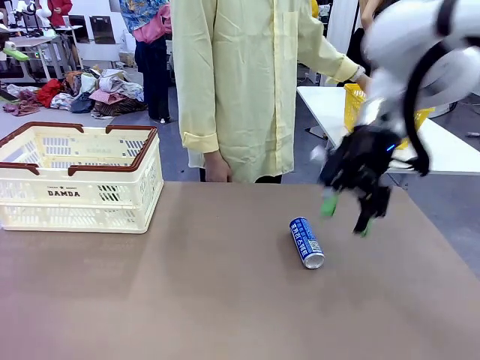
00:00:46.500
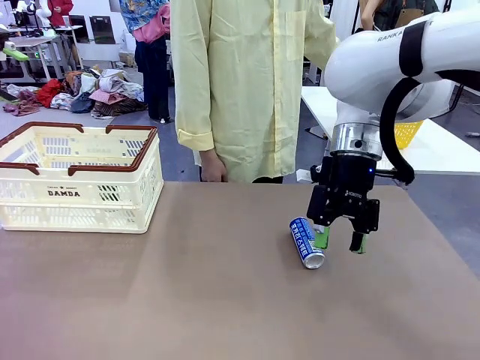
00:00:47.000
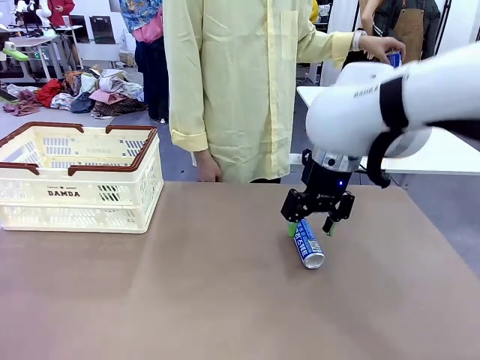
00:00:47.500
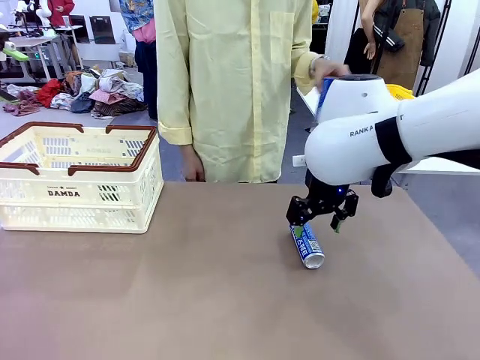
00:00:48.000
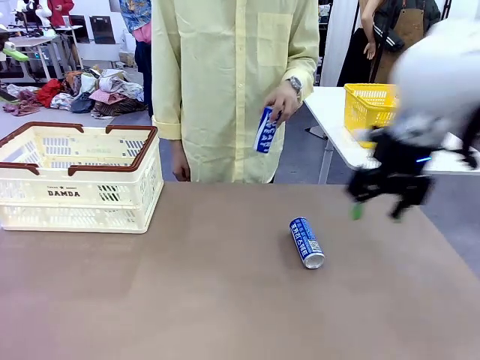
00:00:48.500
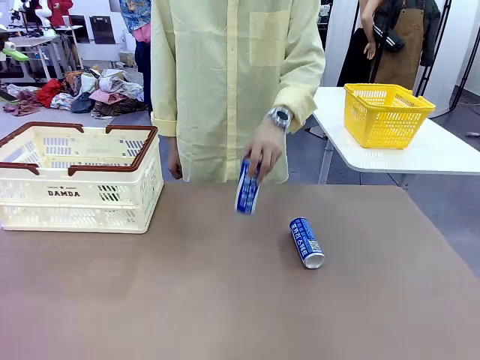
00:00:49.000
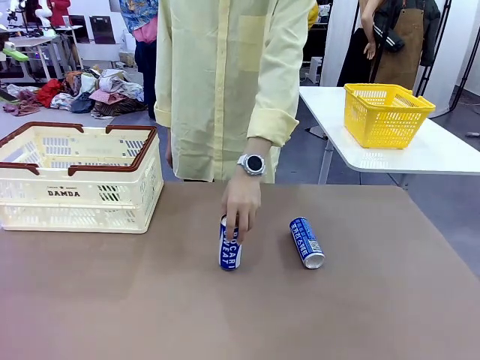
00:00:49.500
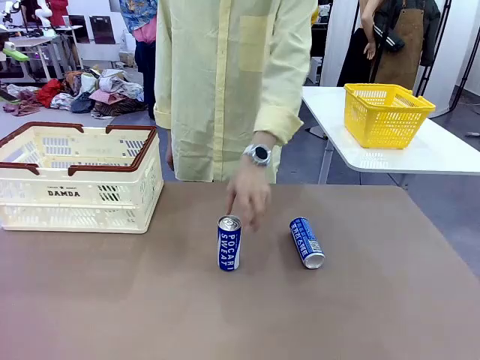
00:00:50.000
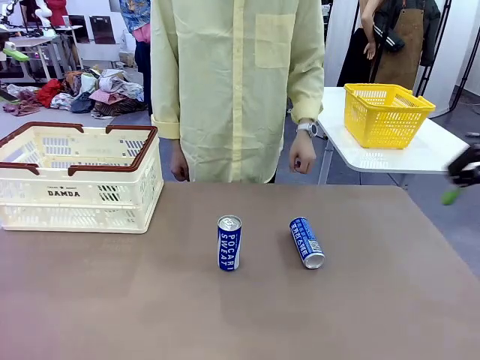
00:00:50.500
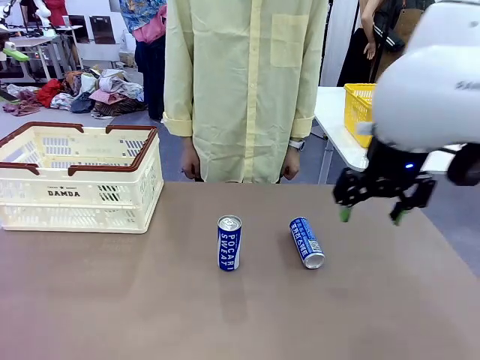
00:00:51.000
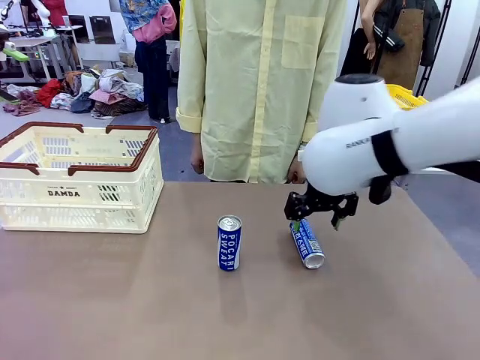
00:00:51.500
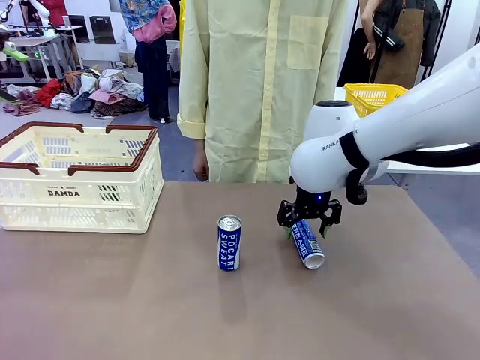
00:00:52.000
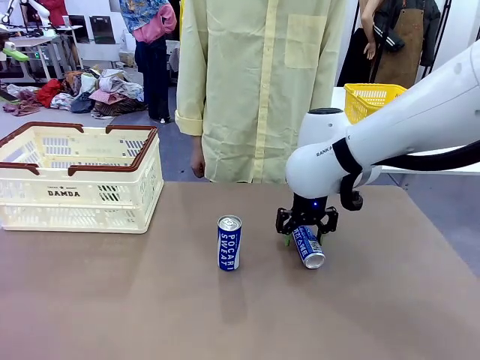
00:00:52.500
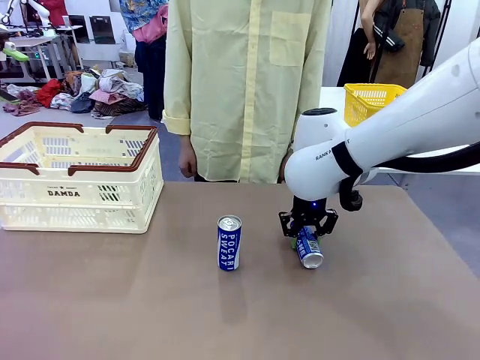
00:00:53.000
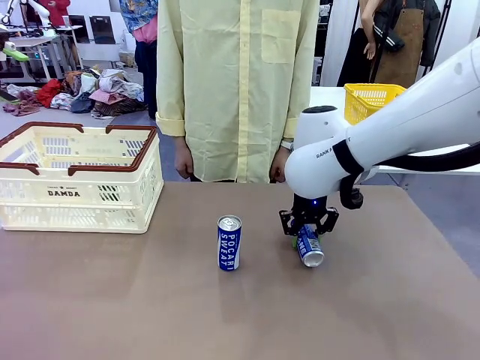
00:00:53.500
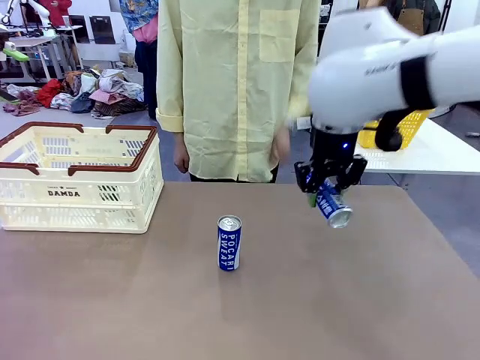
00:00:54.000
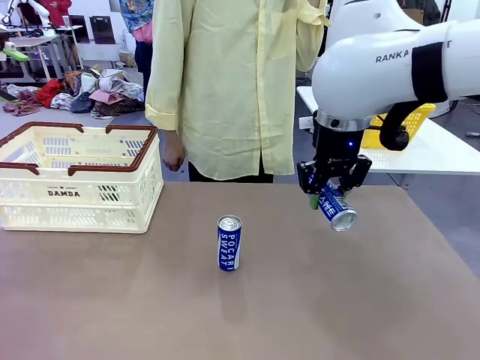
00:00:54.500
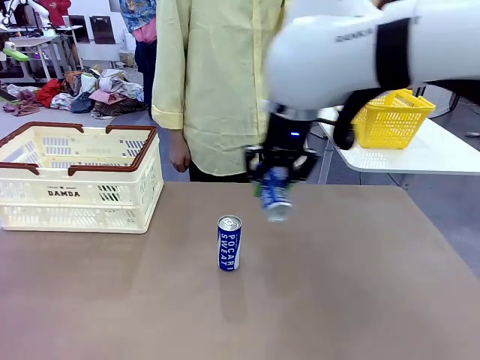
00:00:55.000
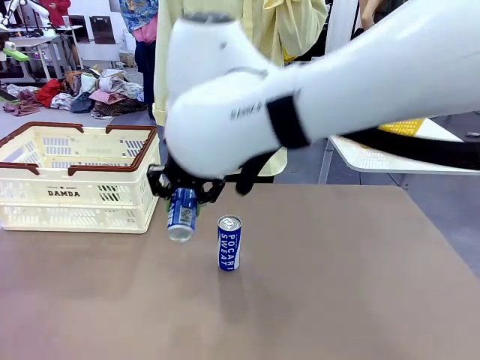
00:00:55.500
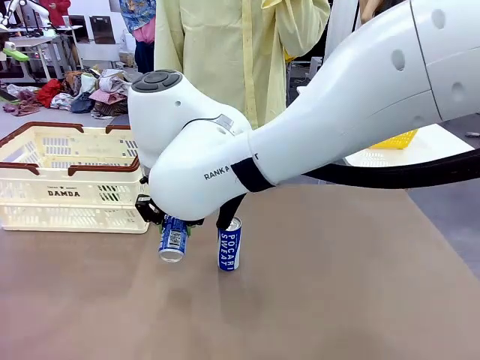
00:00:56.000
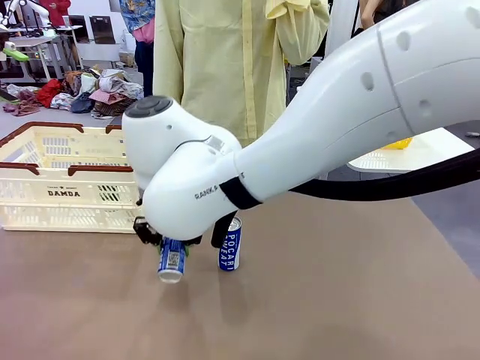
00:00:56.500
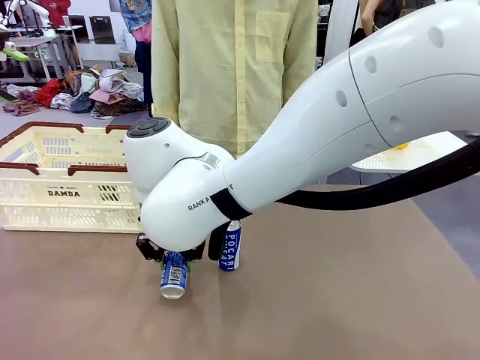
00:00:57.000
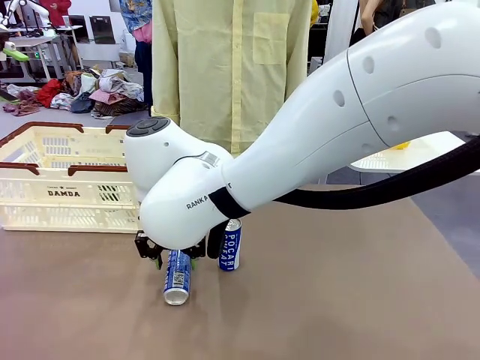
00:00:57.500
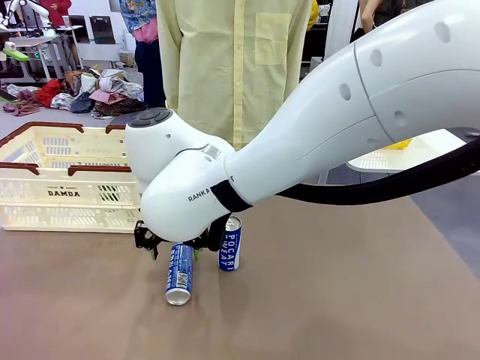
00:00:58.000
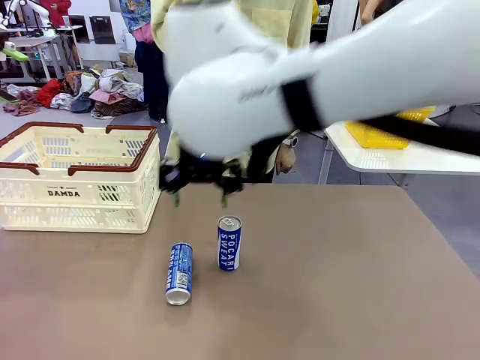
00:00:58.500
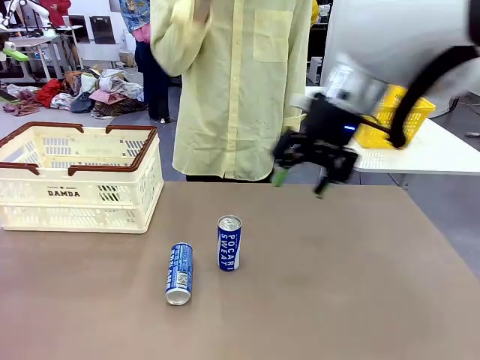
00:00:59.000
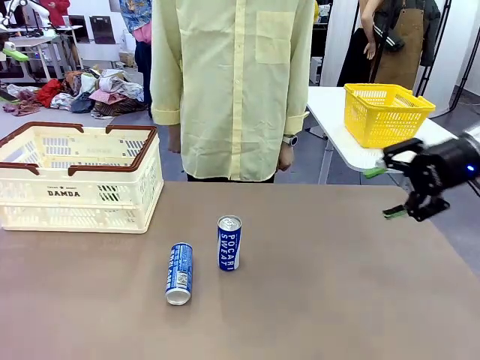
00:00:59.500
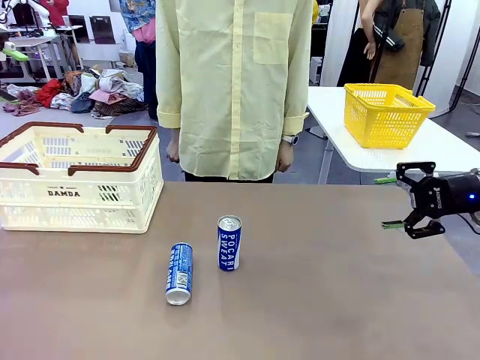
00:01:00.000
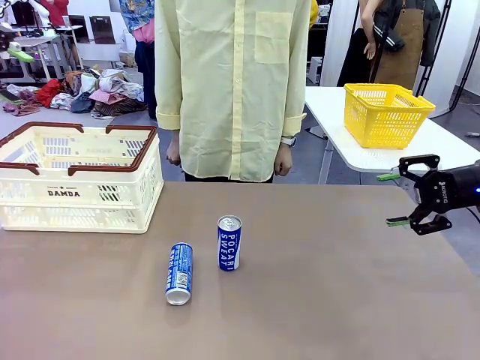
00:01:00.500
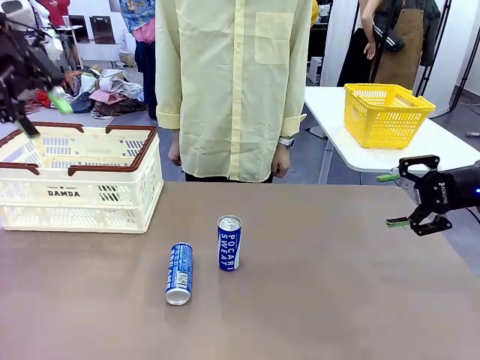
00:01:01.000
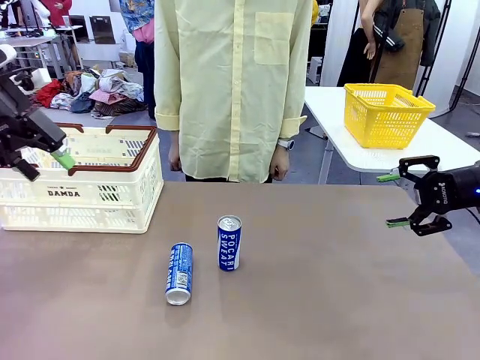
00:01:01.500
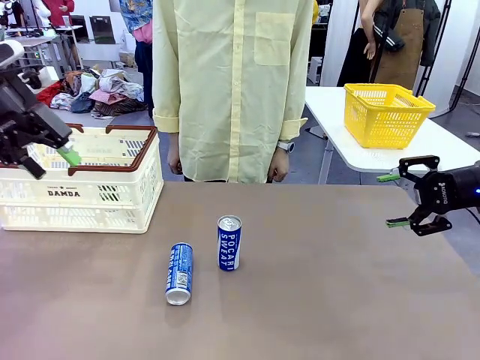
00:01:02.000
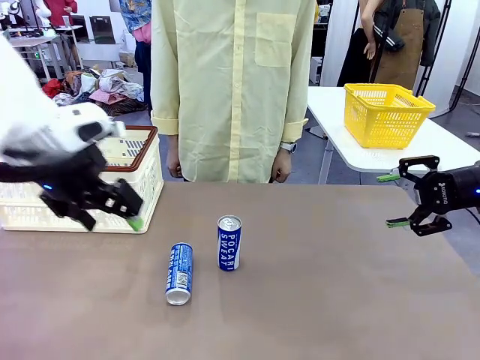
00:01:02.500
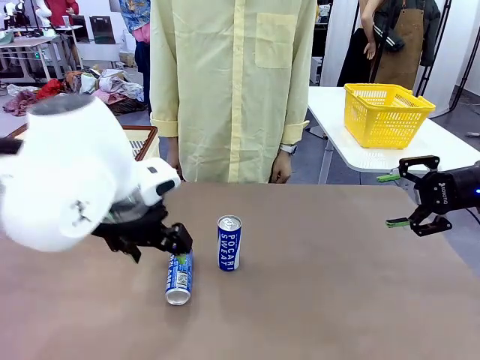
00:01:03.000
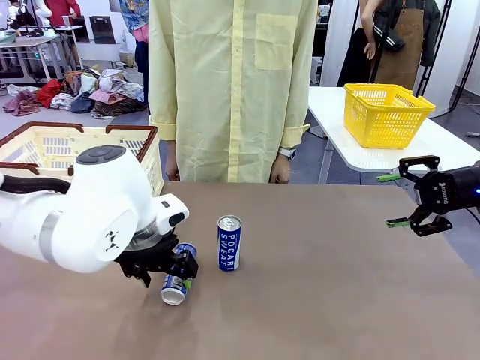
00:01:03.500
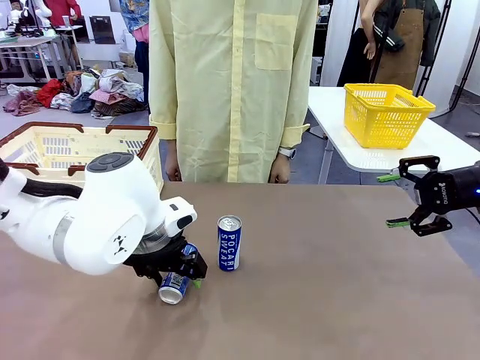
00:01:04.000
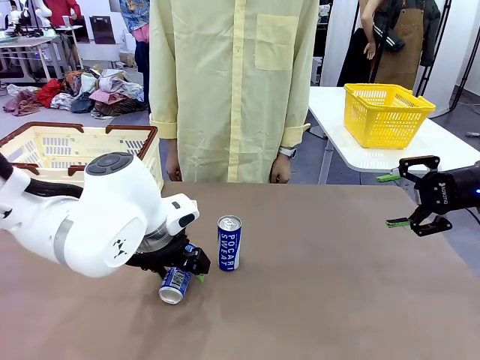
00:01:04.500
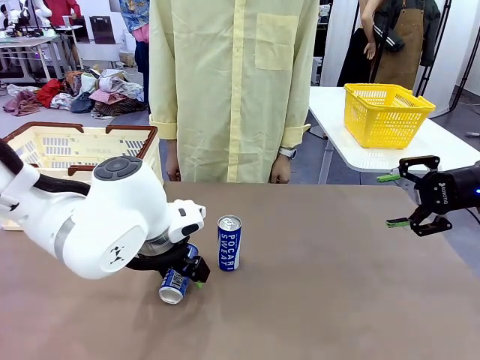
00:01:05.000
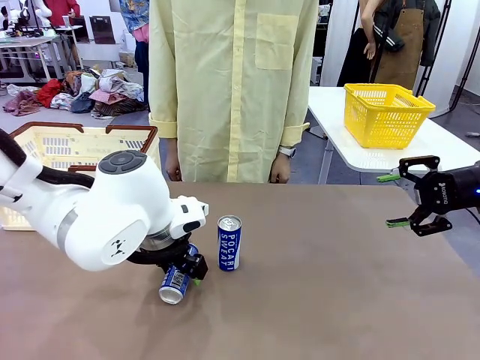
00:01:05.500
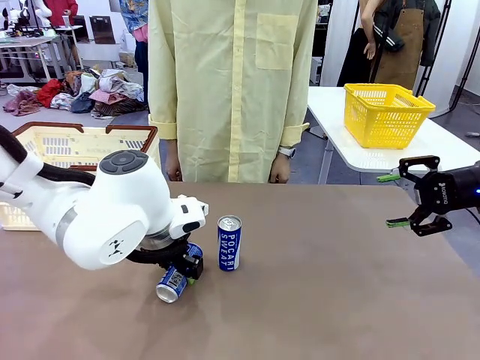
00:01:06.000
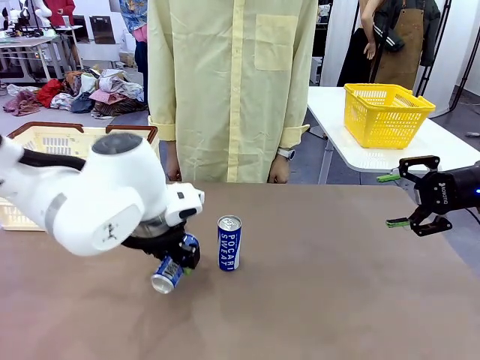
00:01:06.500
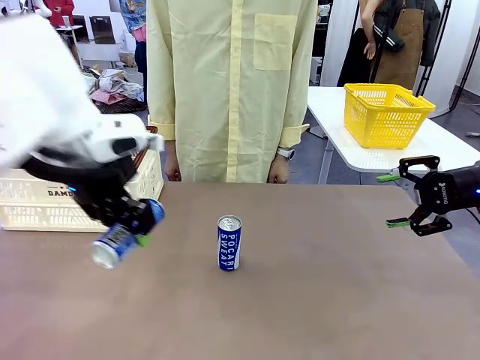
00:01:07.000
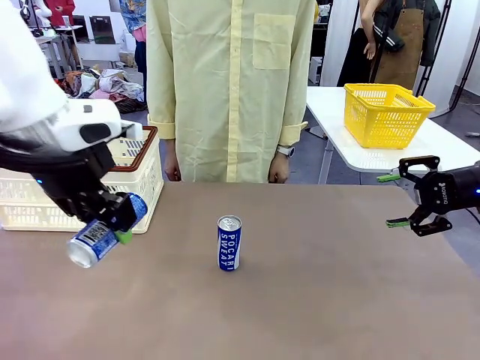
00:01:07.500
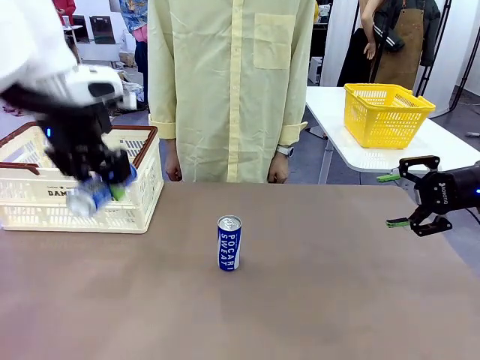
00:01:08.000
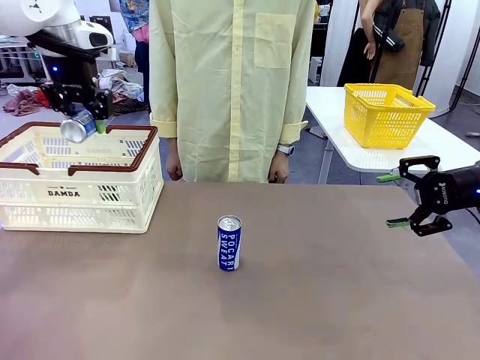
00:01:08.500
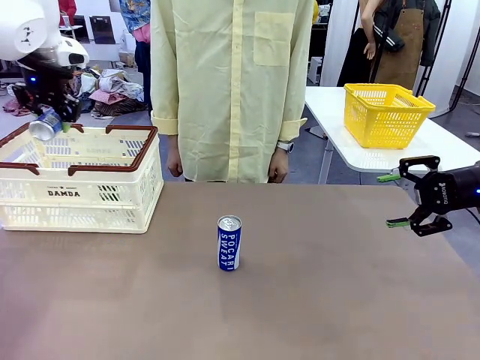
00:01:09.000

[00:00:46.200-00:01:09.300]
Task: Place the drinks into the Shopping basket.
Robot: Pick up one drink and place it into the Shopping basket.

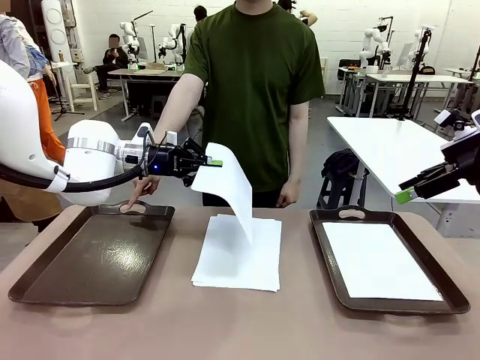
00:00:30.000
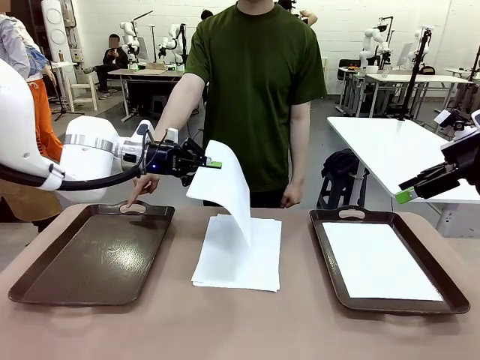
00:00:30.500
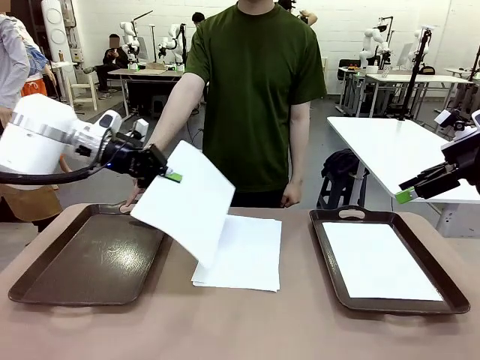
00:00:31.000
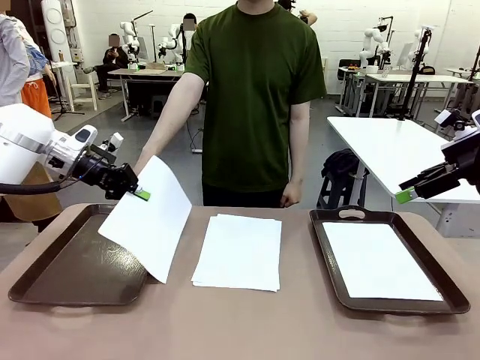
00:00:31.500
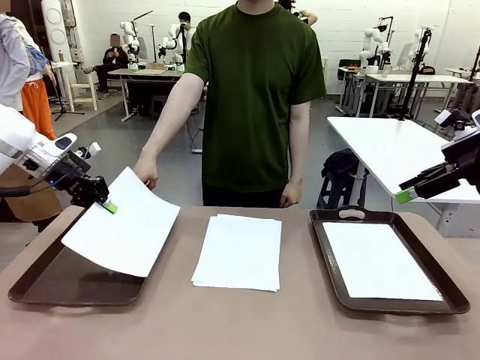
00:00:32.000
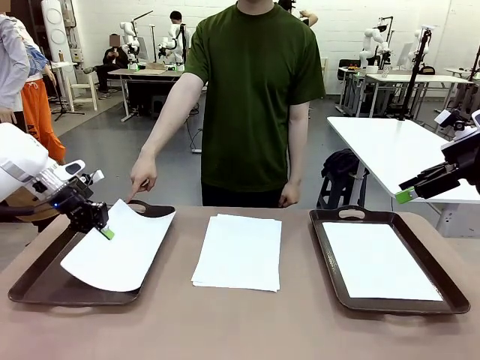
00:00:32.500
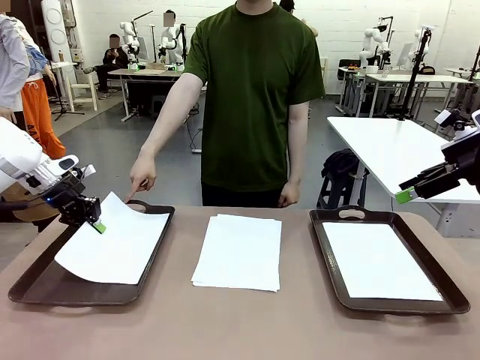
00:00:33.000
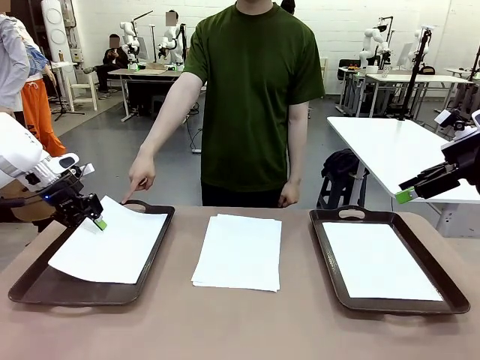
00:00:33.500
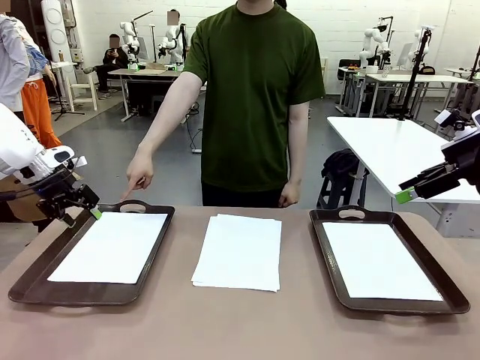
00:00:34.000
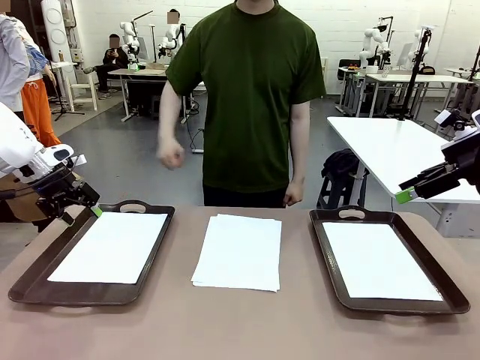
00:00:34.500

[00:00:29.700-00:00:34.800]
Task: Sort the A4 documents.
Robot: Place the A4 Paper in the designated Handle tray.
